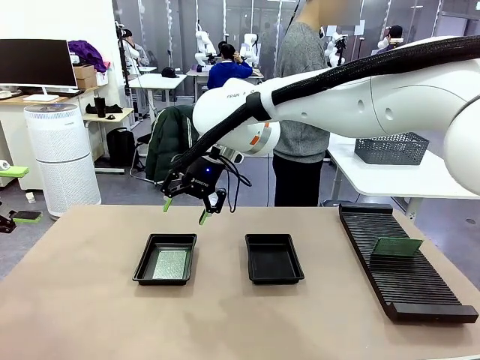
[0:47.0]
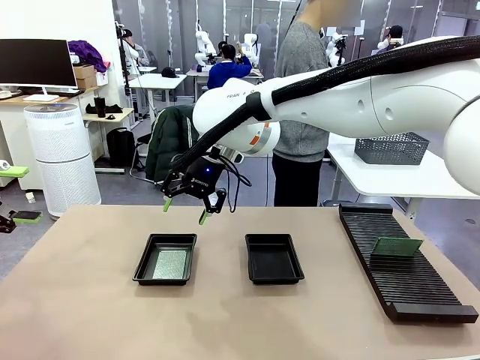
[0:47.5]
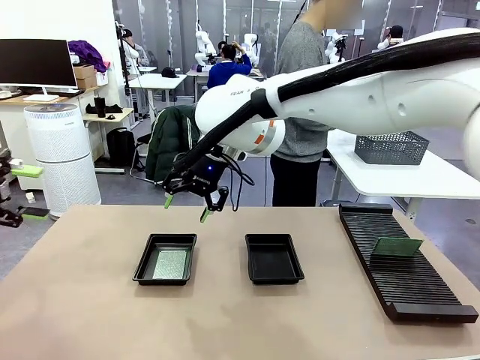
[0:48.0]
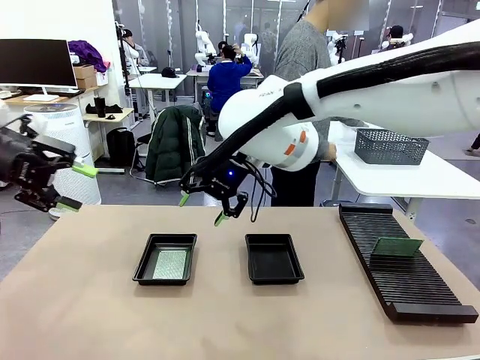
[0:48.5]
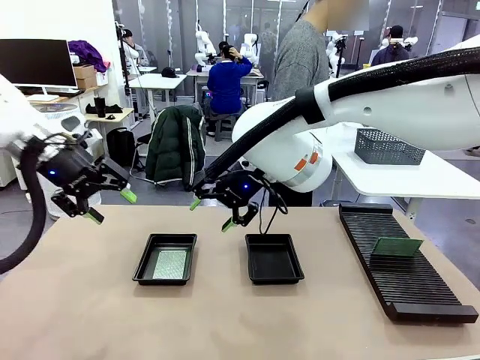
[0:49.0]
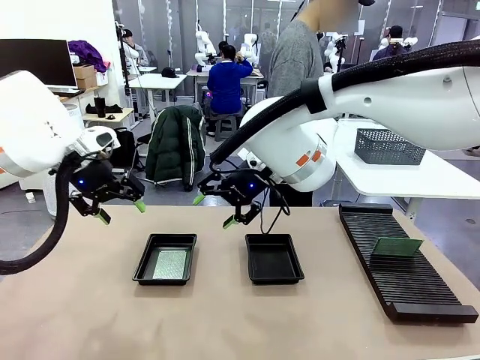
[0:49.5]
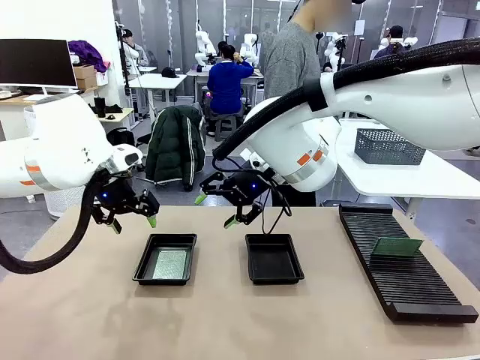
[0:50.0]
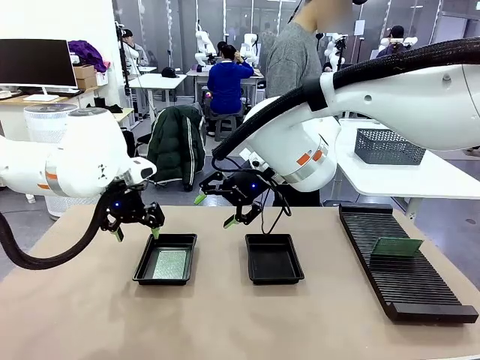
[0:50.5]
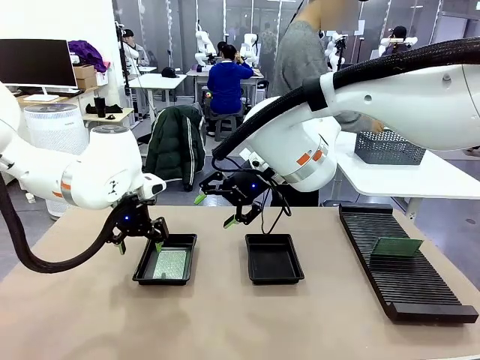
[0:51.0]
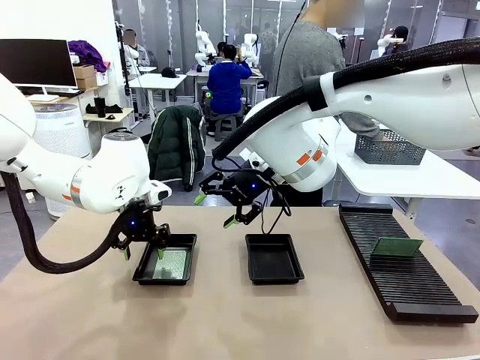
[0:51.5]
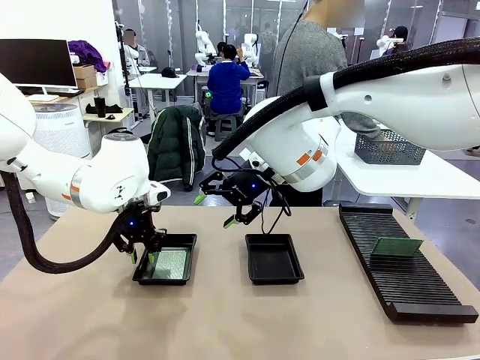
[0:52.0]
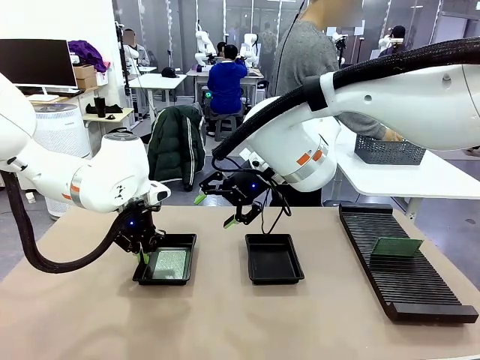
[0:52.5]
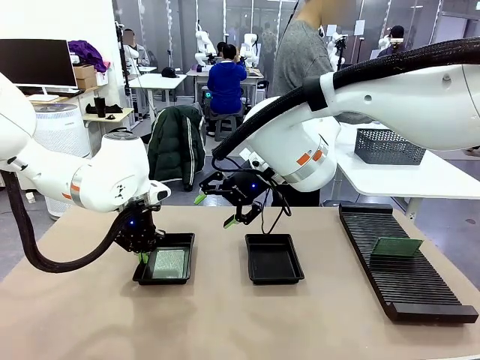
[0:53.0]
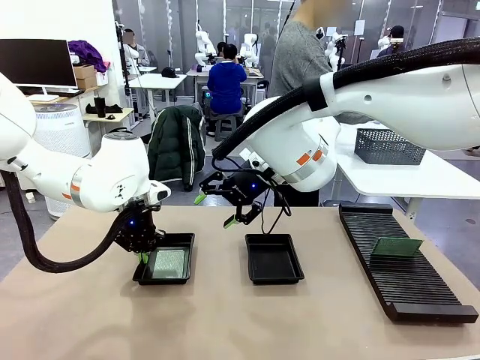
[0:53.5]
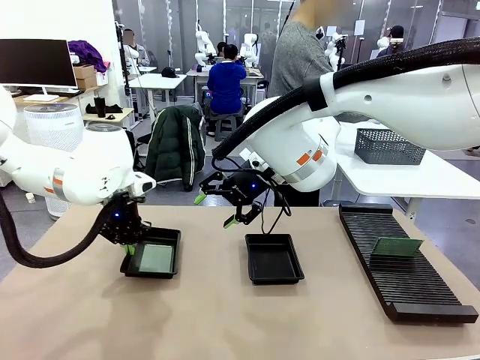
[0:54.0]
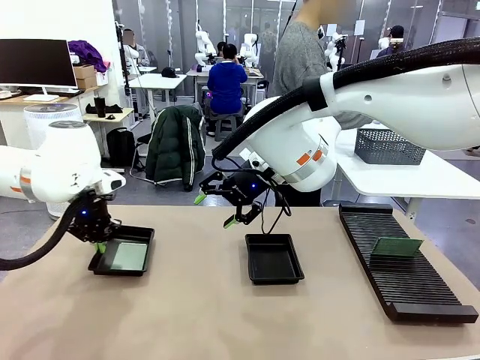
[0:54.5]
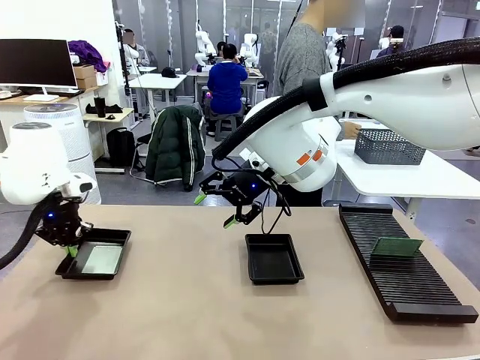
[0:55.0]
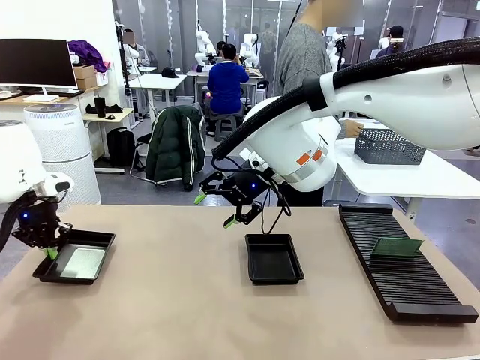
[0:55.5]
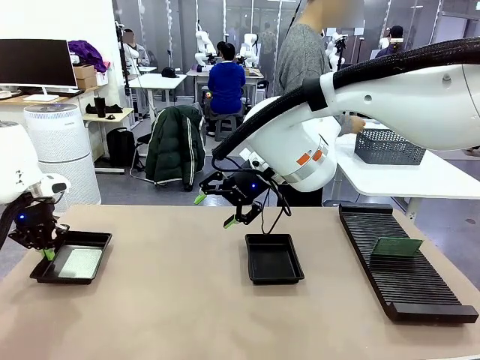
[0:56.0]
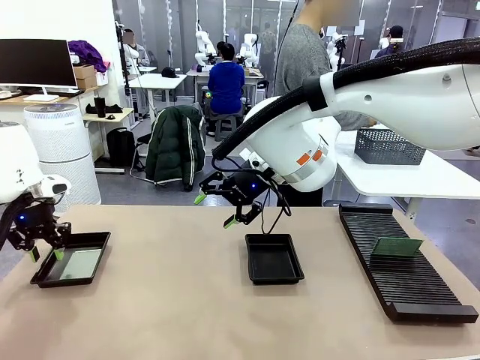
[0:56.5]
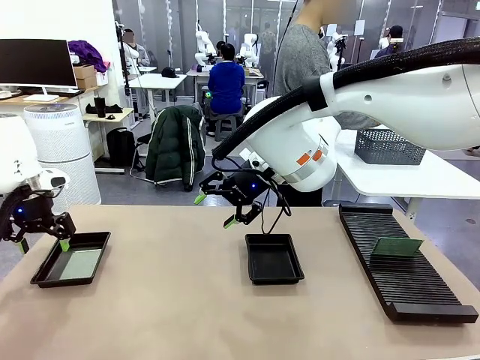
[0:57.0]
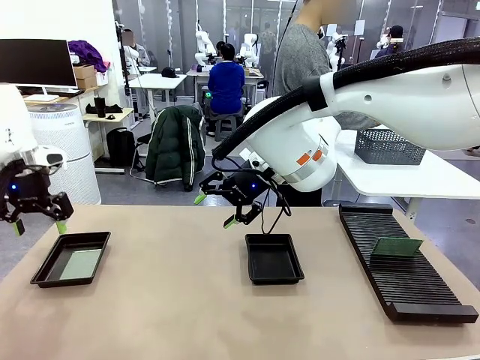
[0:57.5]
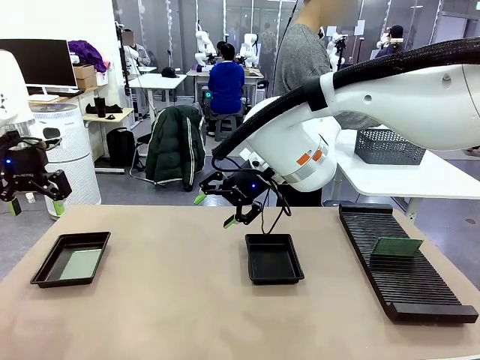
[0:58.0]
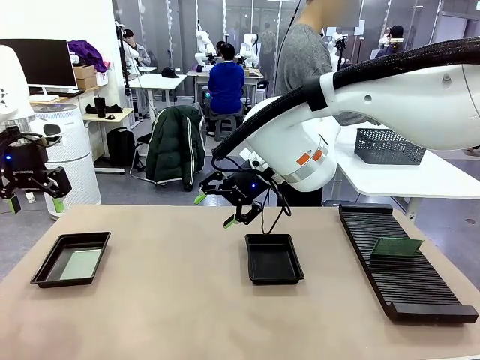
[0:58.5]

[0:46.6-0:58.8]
Task: Inspect and transfer BCBs to ESD trays.
Robot: Pick up the ESD tray and place it on the left side of the table.
